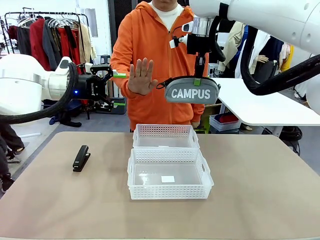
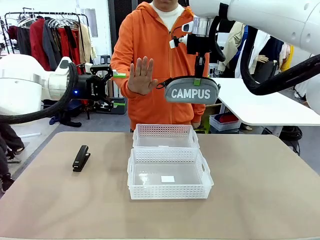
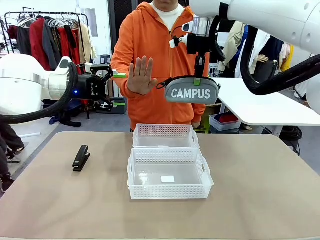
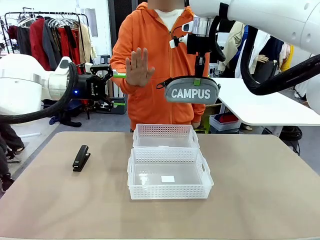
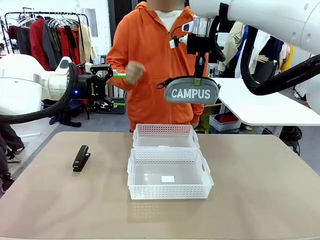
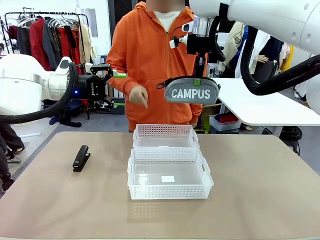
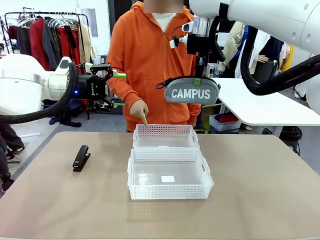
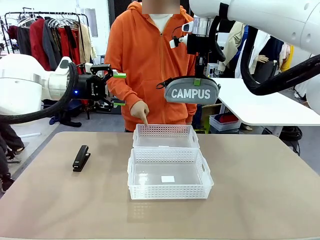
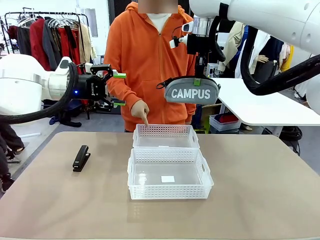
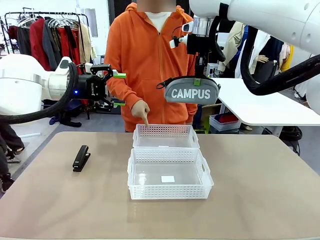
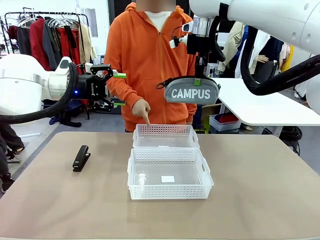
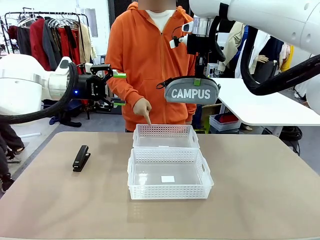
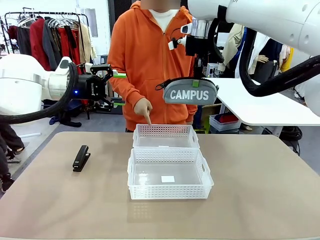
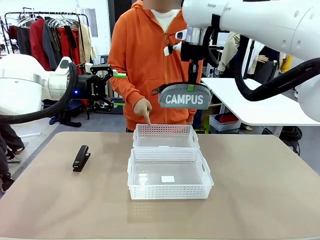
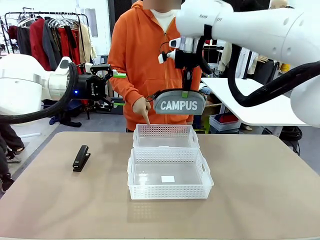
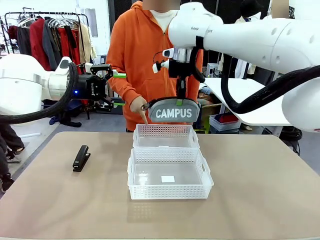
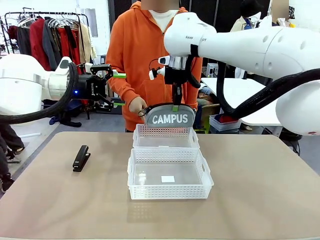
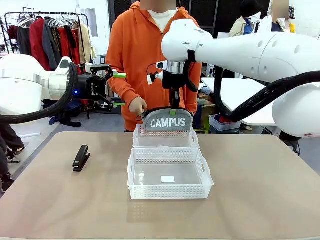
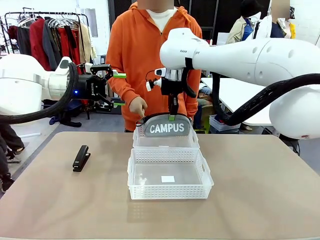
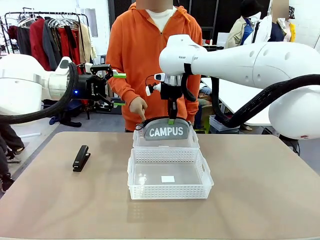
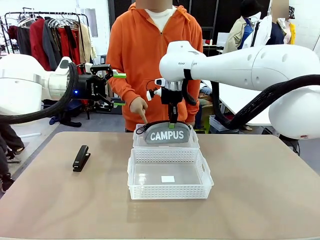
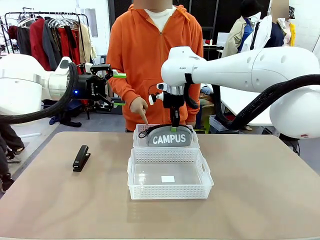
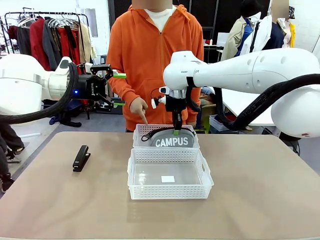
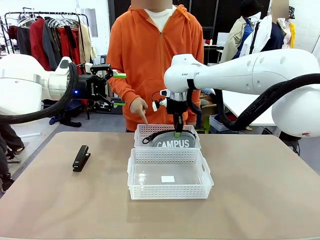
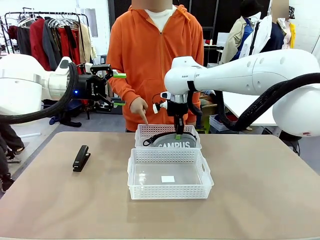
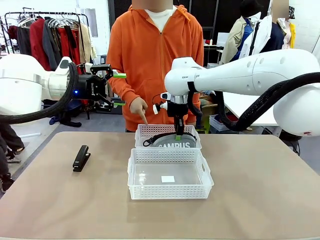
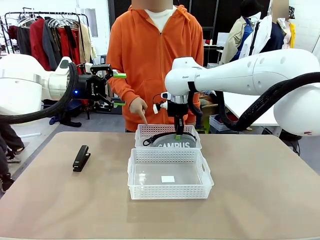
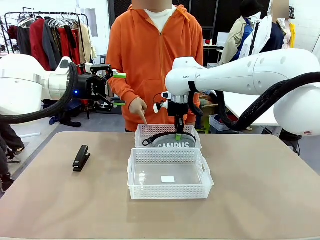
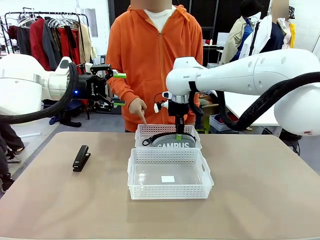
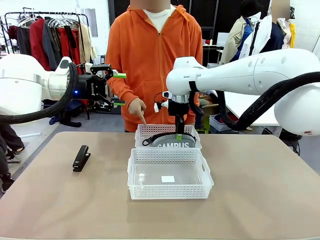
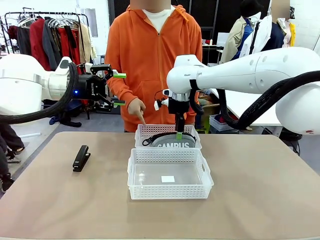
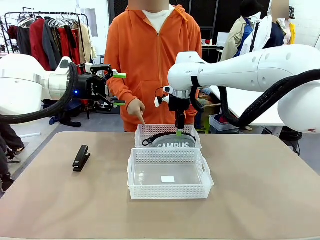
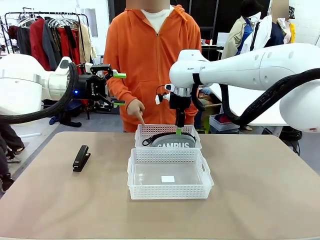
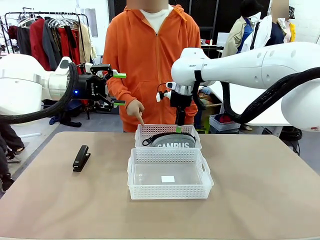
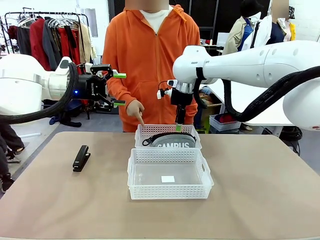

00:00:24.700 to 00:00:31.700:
Task: Distribute items into two baskets.
Robot: Place the picked Pencil pouch into the Organizing basket as instructed by the person.
Person: Instructs the robot to place the pencil case into the opposite basket.

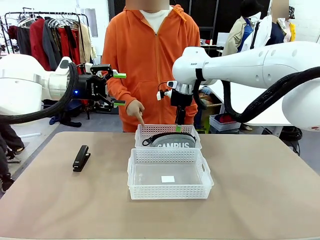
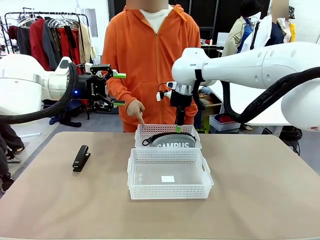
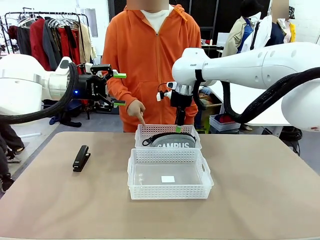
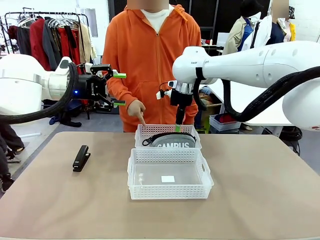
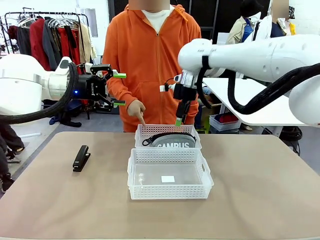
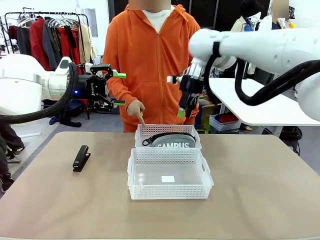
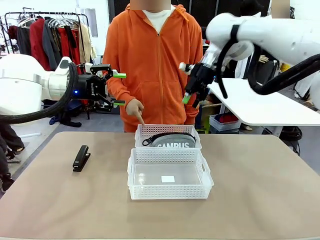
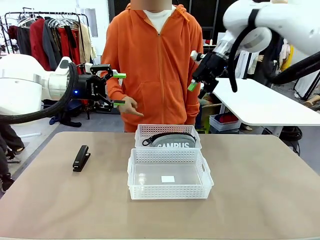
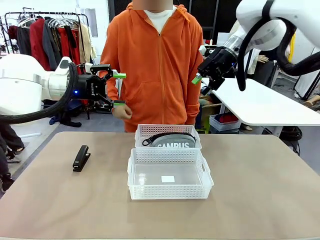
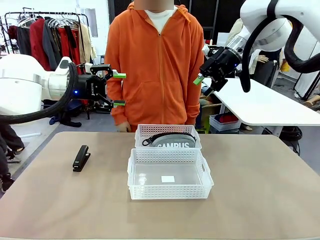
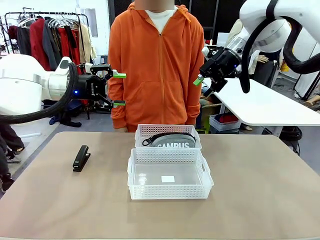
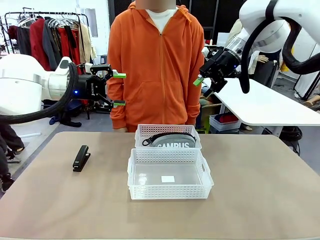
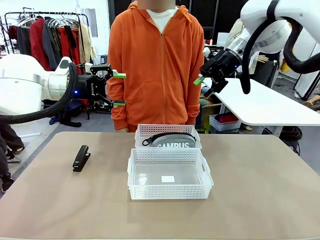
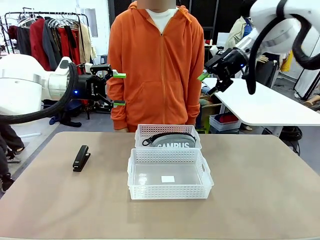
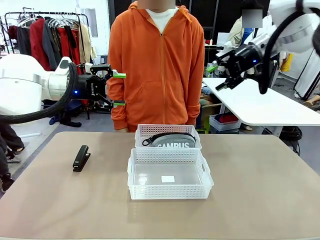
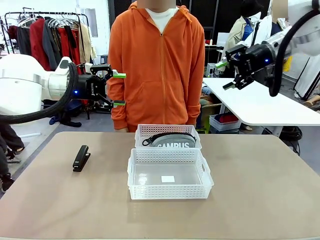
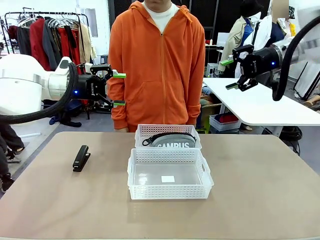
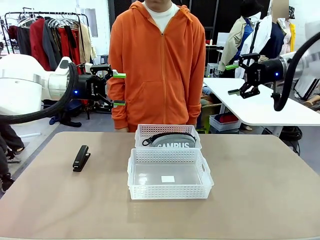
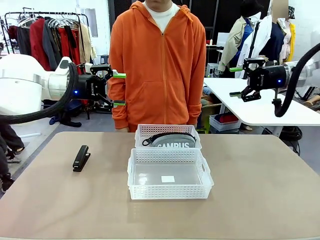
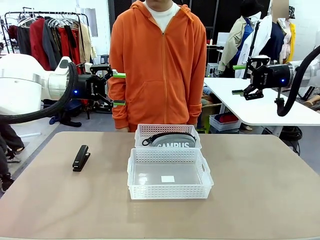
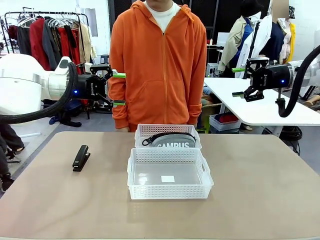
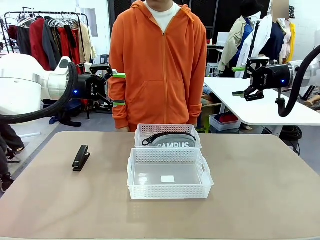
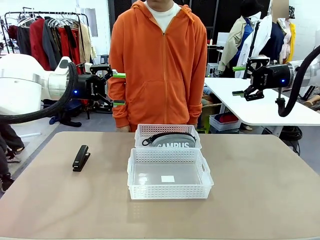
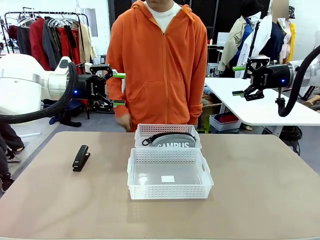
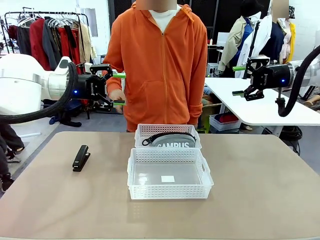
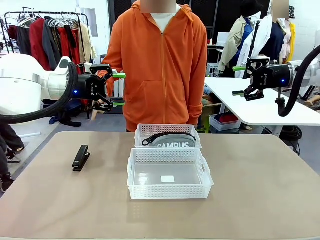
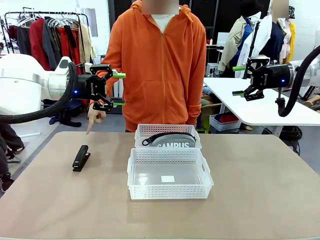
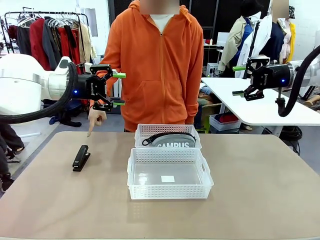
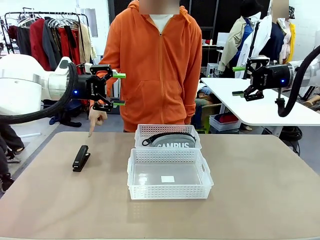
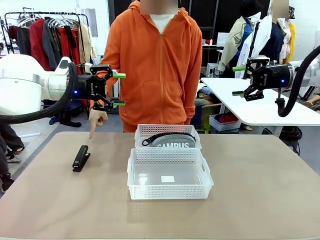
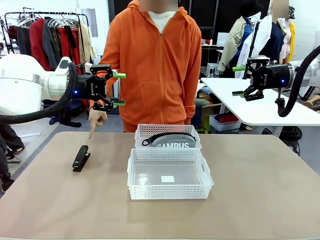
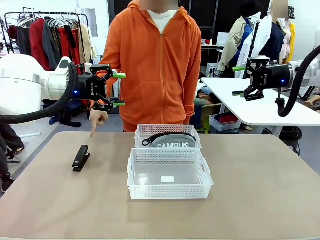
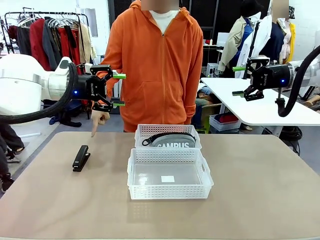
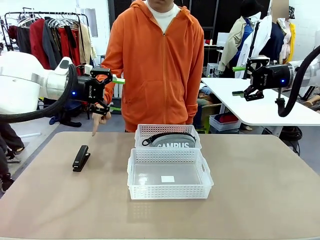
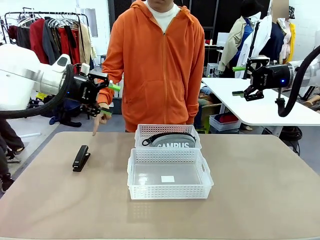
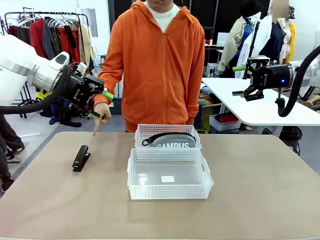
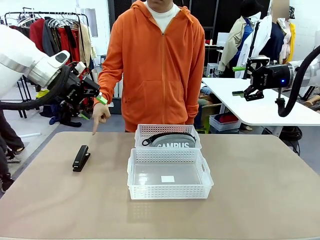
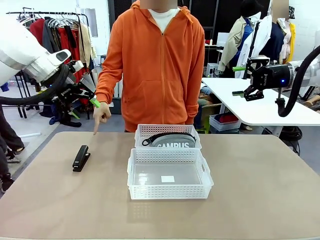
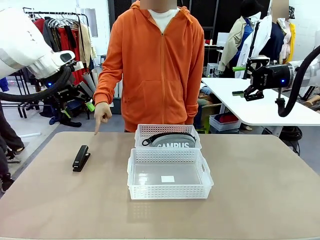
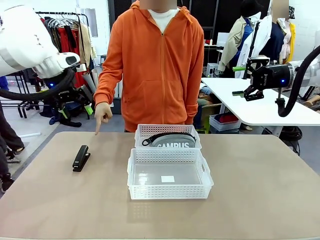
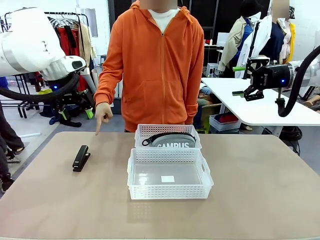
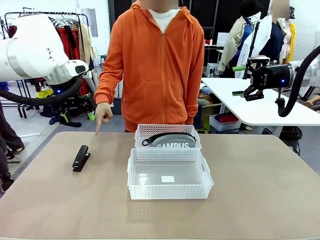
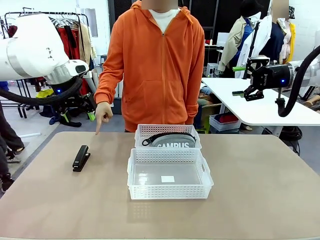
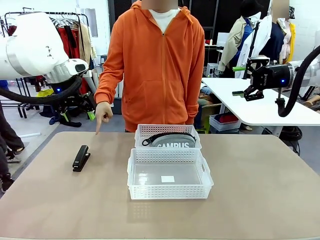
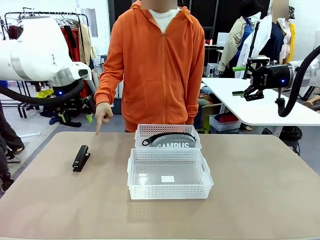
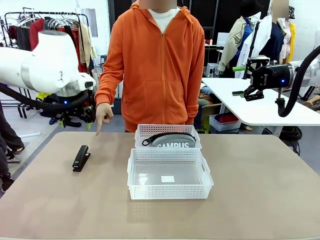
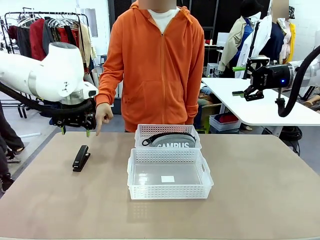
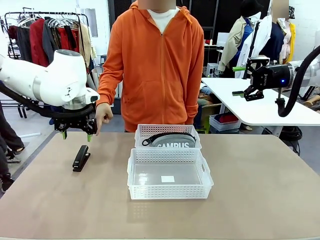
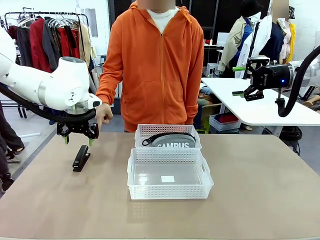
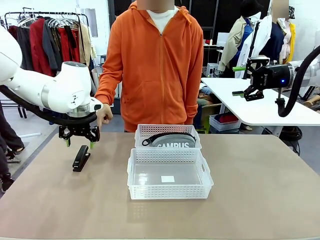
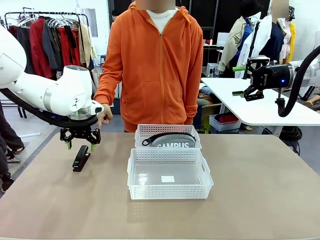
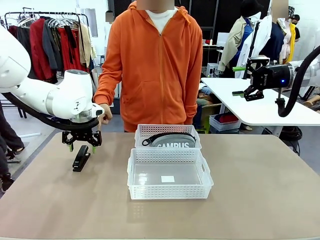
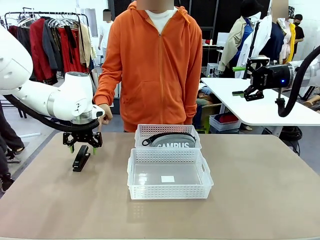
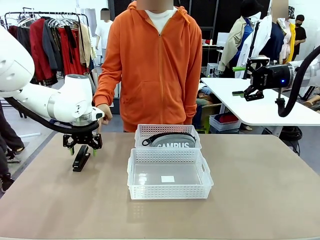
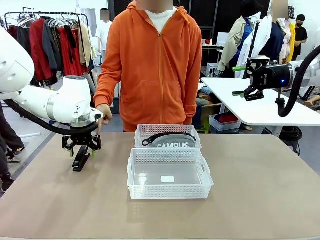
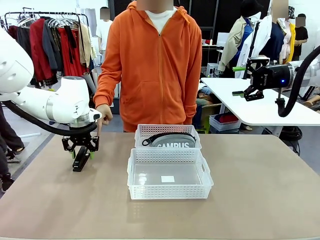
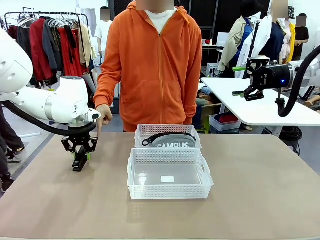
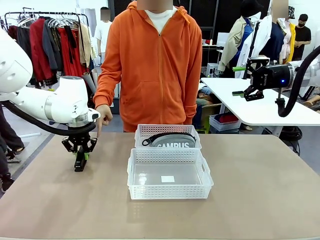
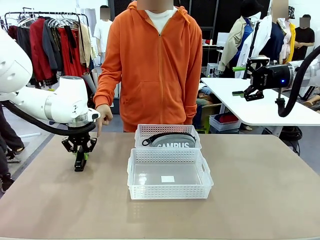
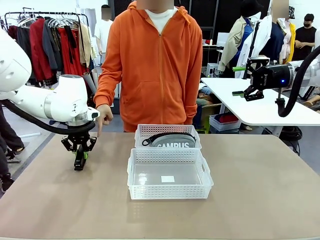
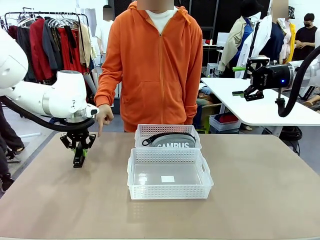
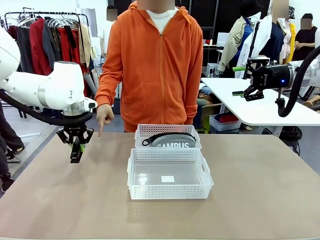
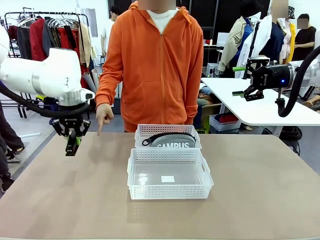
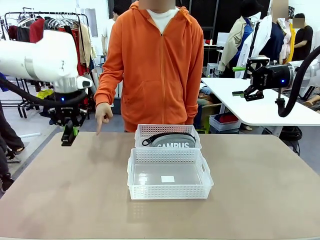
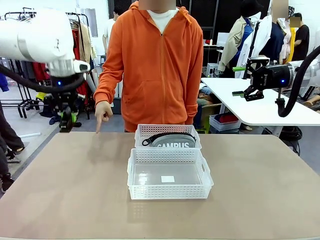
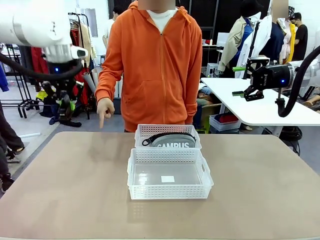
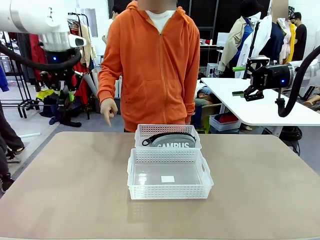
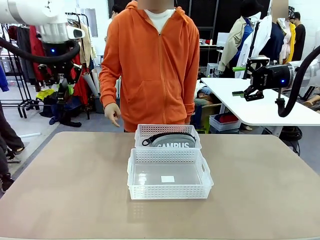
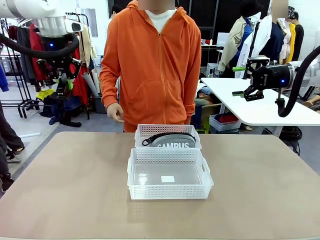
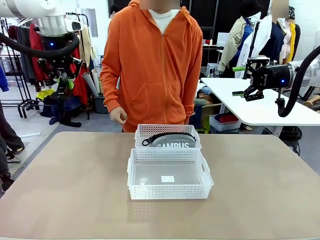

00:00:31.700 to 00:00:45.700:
Robot: Pick up the Stapler that the person points to.
Person: Points to the stapler.
